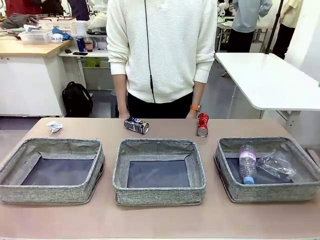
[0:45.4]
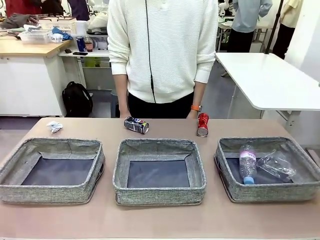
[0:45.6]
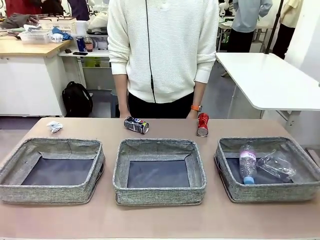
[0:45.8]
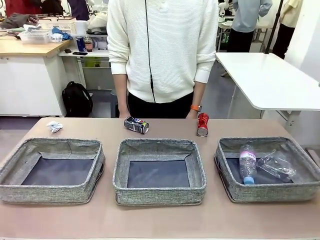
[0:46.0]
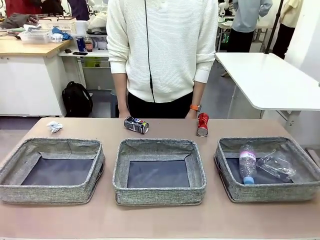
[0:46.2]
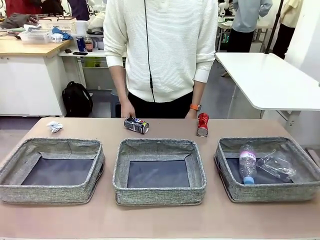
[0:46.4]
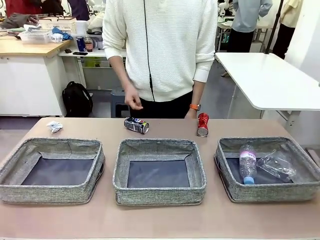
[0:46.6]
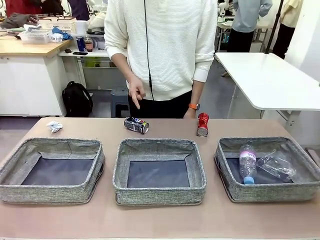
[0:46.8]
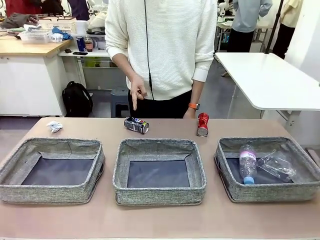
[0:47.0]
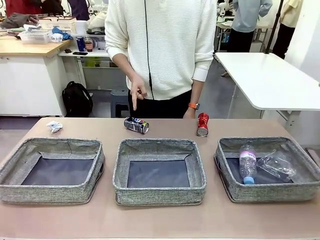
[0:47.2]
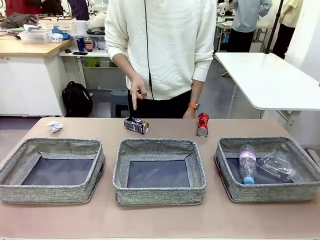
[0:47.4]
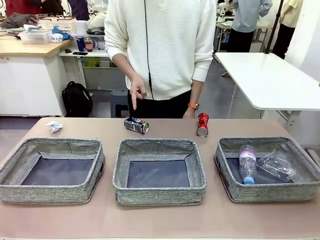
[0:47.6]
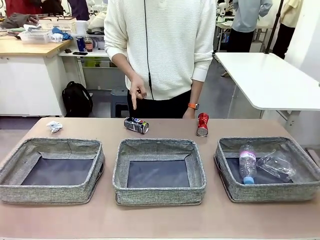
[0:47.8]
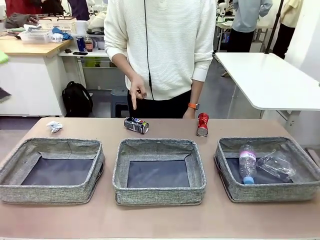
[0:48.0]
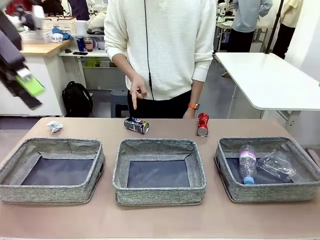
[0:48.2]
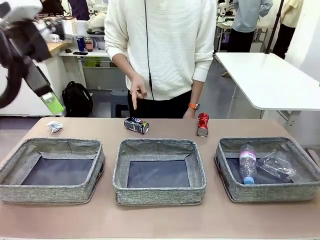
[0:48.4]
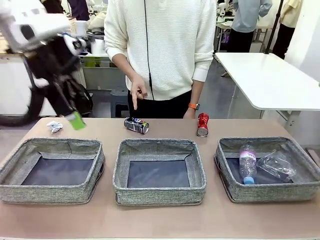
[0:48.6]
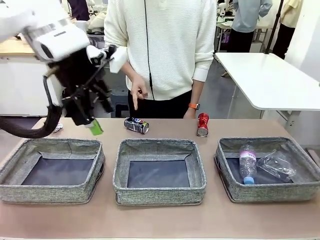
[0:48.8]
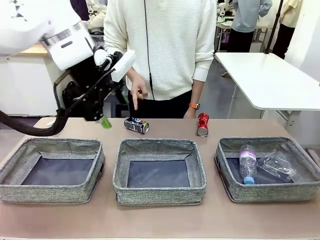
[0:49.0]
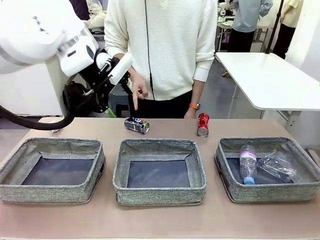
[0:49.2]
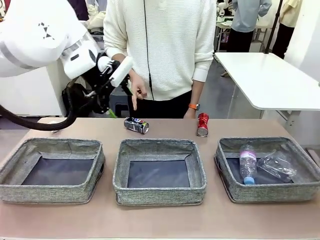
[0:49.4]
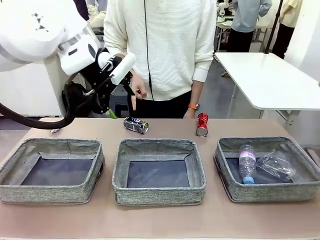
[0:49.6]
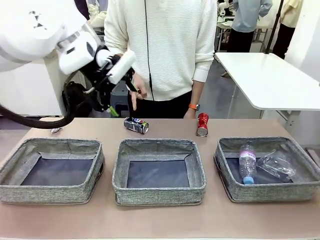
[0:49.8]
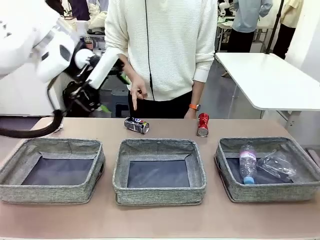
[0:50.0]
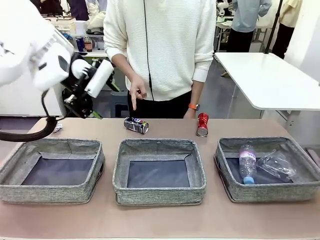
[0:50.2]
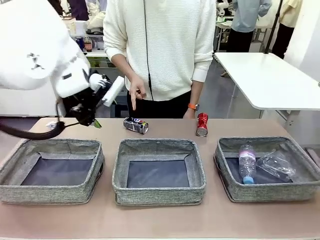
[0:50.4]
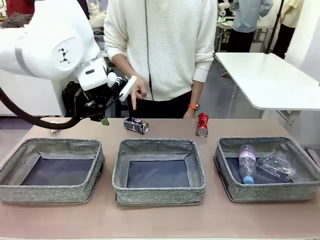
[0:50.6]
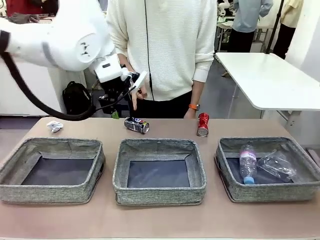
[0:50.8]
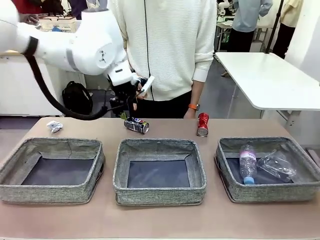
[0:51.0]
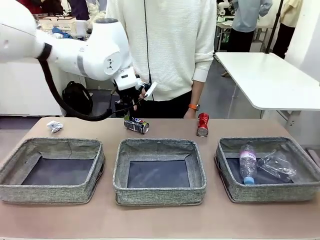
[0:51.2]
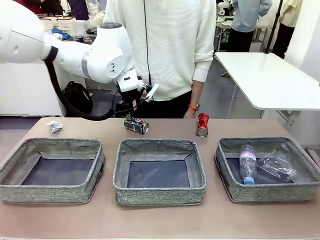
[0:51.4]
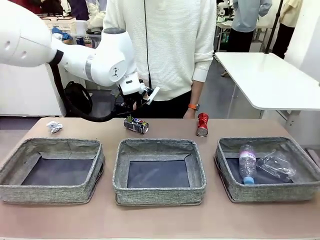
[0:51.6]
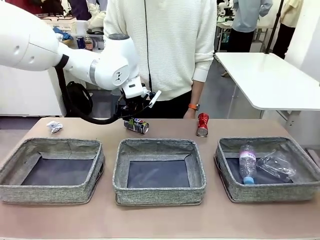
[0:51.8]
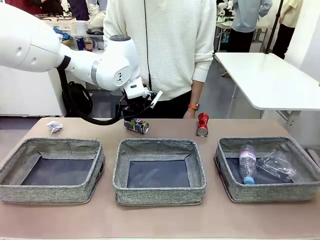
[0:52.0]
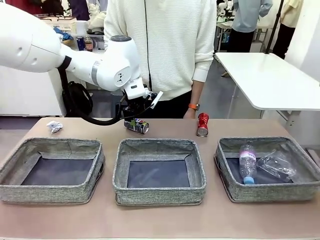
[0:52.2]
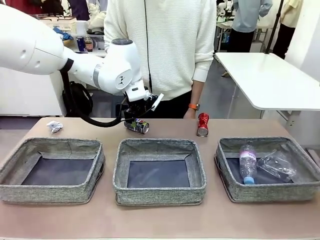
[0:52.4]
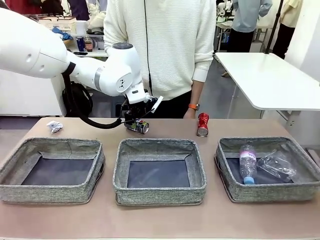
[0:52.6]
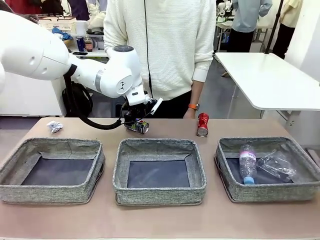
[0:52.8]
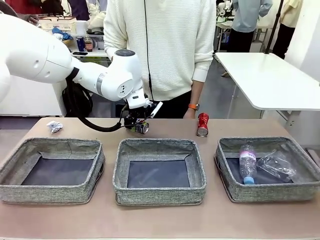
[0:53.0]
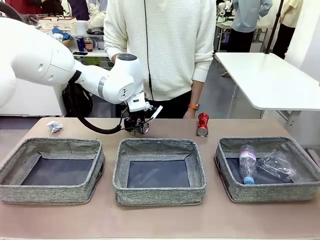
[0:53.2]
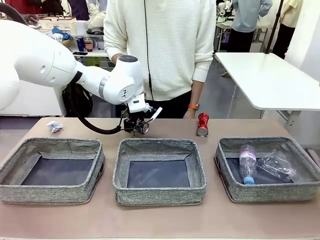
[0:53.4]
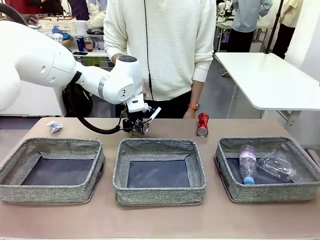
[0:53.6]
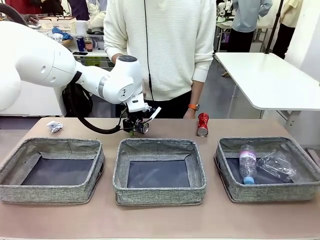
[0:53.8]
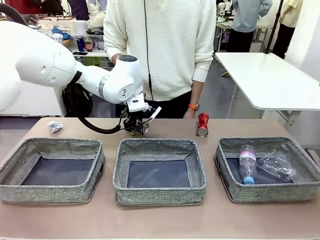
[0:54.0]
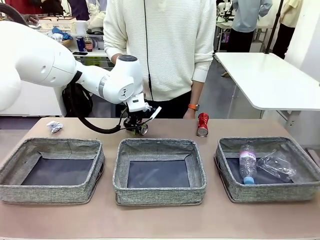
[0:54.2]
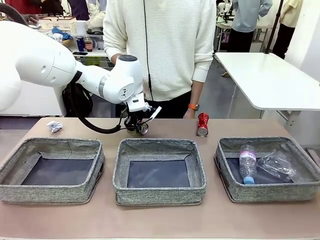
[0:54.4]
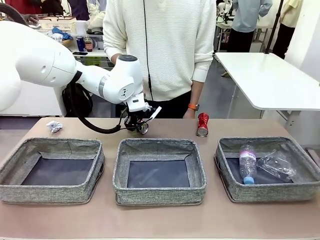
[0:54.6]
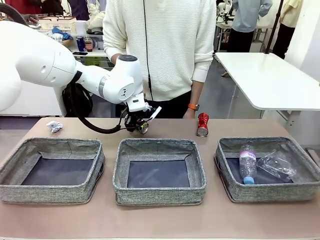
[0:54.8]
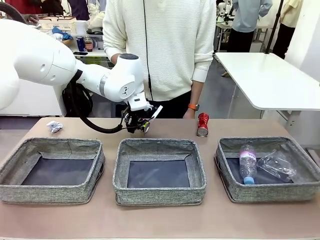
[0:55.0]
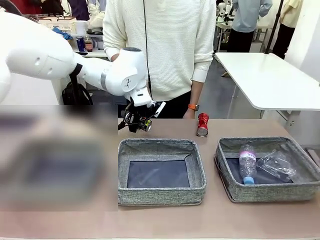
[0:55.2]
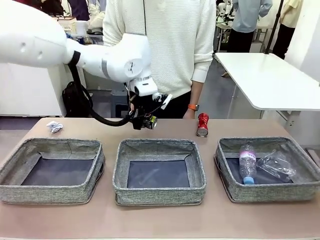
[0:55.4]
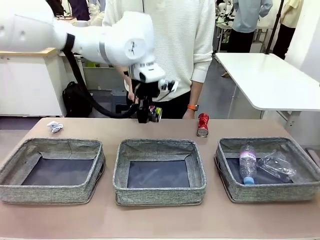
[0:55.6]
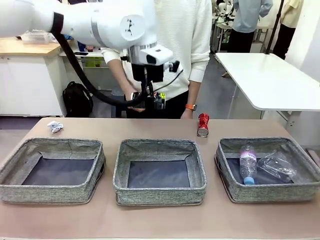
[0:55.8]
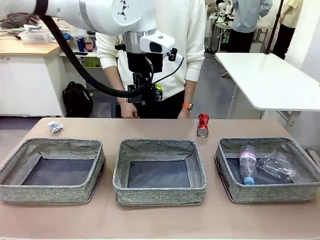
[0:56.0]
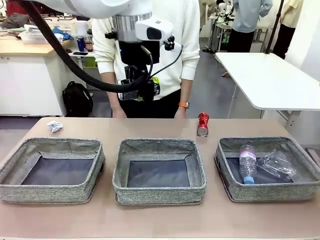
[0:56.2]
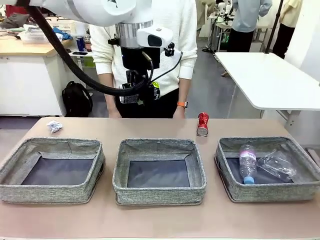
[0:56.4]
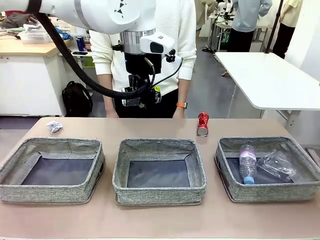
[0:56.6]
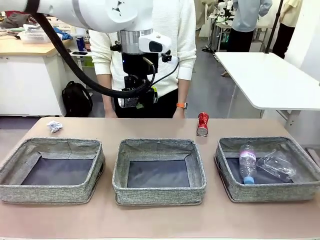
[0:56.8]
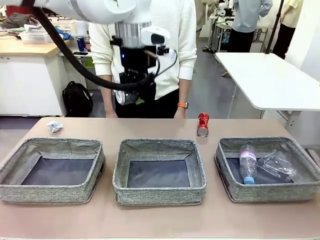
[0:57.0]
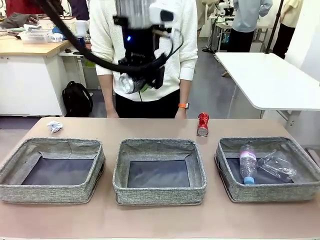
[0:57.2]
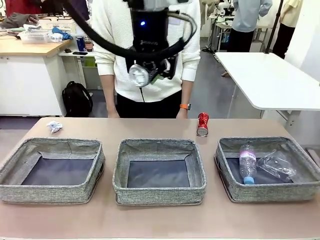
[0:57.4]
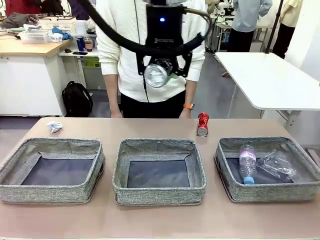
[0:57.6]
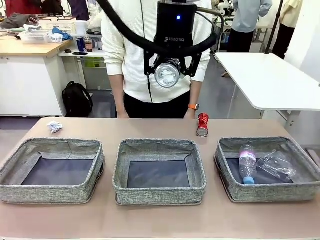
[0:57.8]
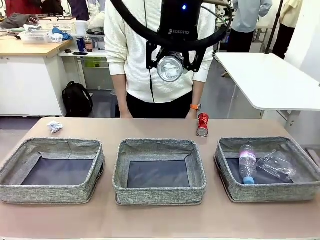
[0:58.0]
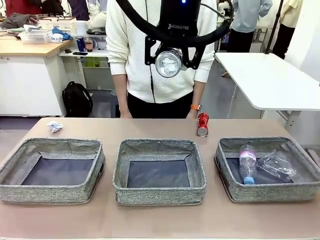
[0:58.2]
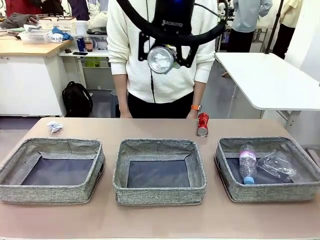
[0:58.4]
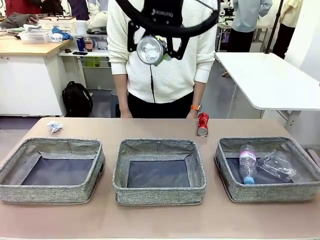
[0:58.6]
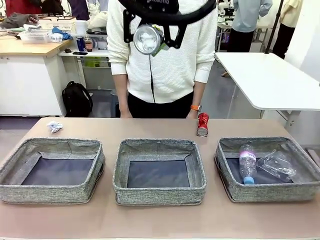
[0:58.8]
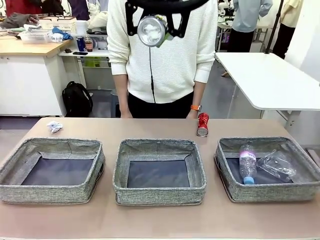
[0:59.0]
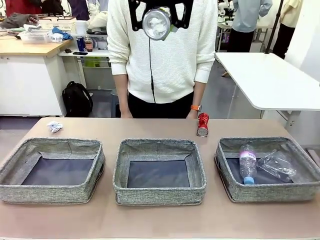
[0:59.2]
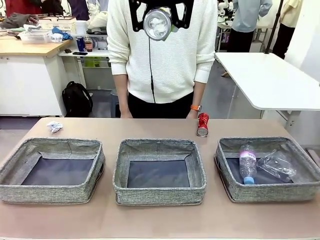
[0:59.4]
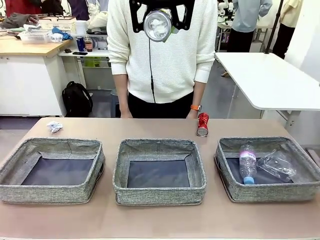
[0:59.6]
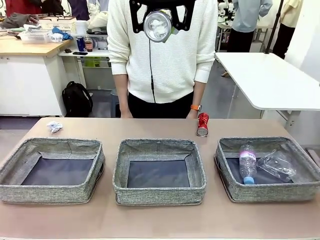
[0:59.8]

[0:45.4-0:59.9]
Task: Sort the waste into the appropriate baskets.
Robot: Pick up the waste item pointed out by the person.
Person: Points to one piece of trash on the table.

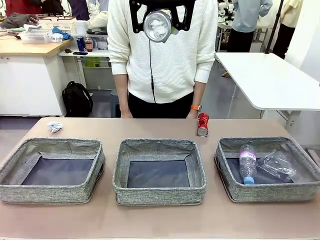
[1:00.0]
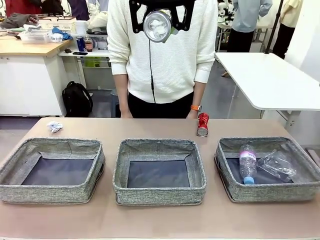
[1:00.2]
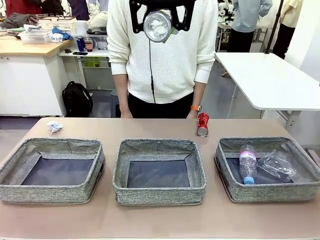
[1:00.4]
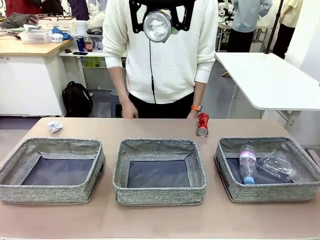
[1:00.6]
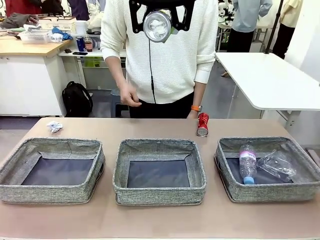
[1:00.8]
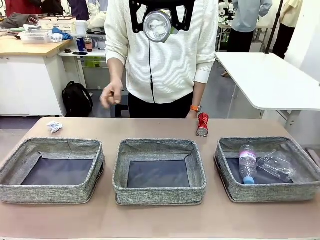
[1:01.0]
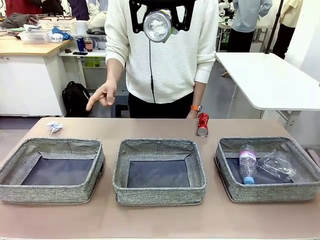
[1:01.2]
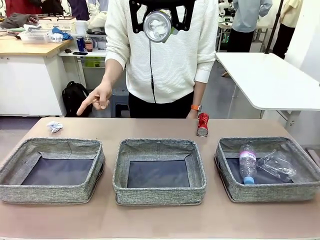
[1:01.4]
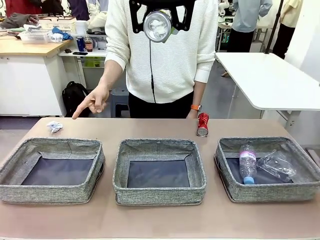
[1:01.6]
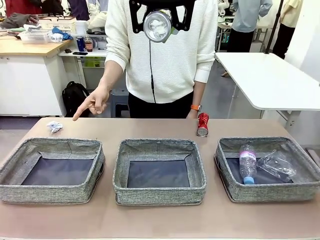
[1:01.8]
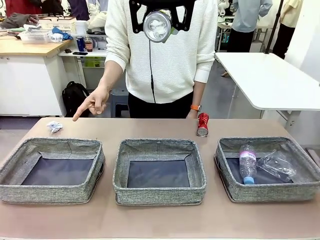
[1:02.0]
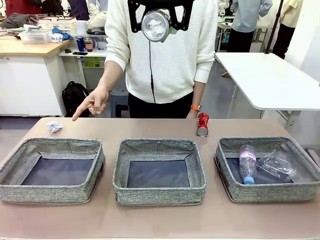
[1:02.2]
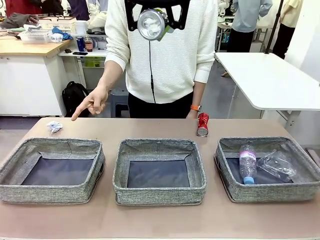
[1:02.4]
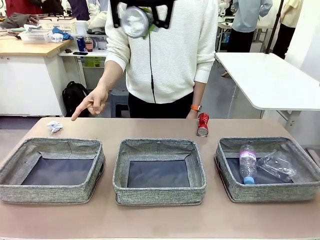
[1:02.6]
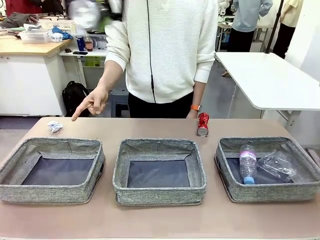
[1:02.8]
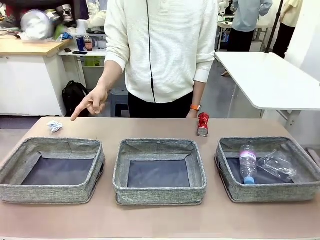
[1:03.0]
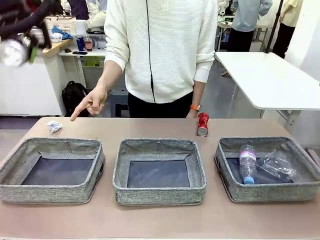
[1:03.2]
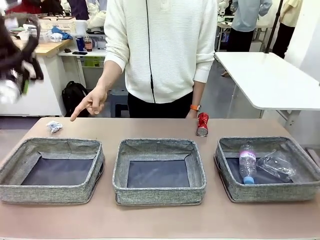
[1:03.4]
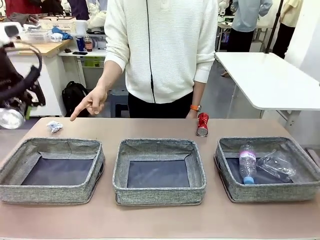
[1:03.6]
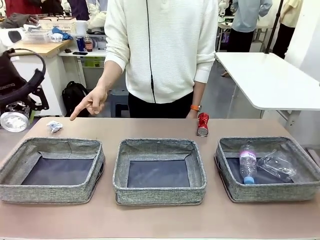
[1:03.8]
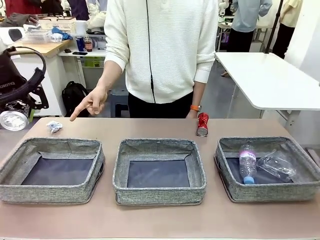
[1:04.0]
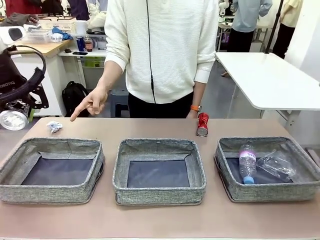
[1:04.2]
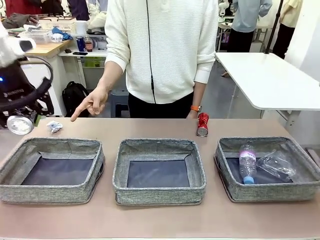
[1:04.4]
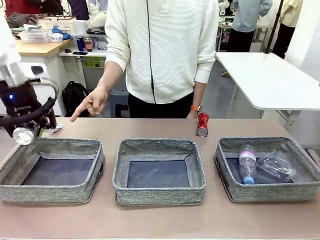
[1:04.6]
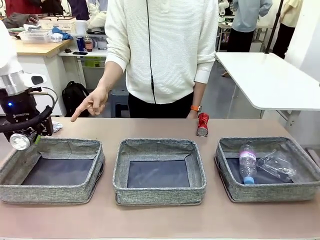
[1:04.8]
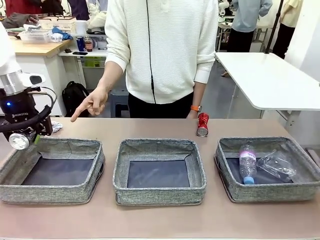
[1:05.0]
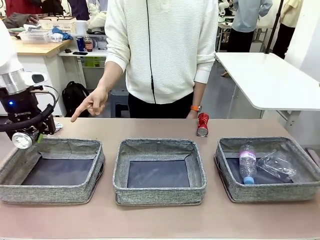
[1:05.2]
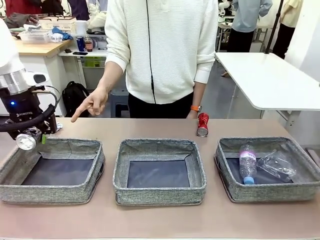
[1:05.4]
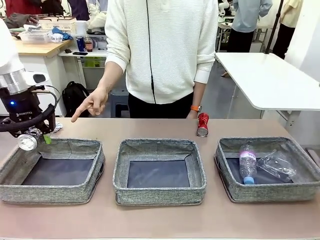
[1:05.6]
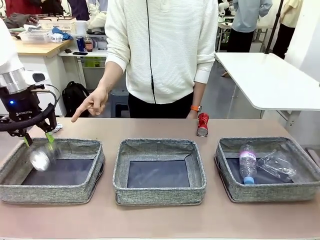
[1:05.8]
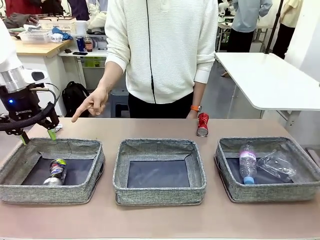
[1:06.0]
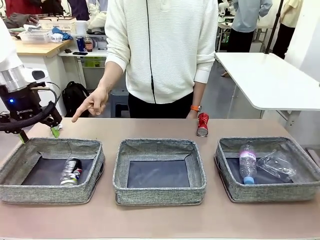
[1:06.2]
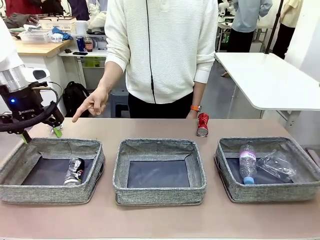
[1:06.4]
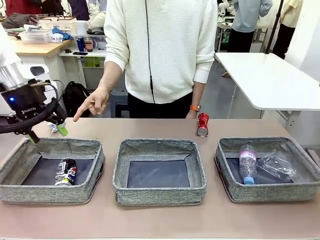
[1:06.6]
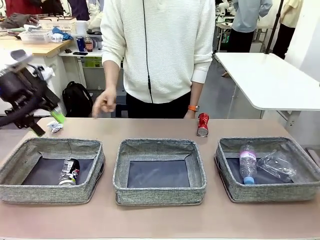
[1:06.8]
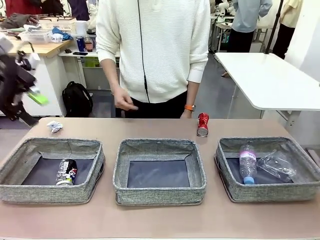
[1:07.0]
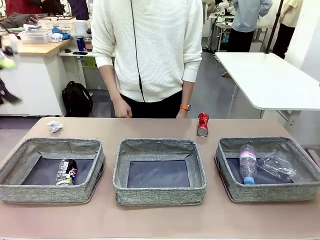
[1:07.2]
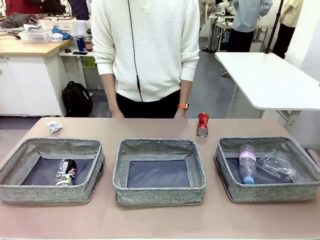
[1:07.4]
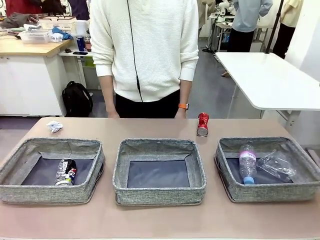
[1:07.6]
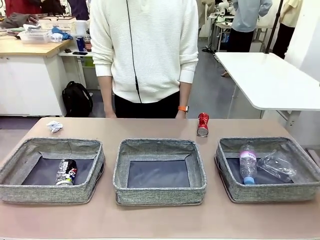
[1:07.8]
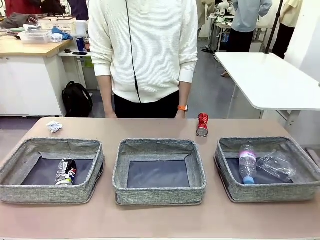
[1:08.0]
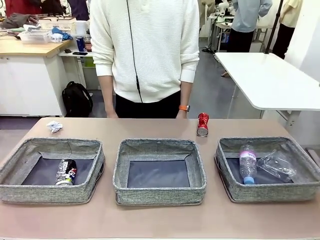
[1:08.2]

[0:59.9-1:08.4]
Robot: Place the picked waste into the Fabric basket indicated by the person.
Person: Instructs the robot to place the picked-up trash into the appropriate organizing basket.
